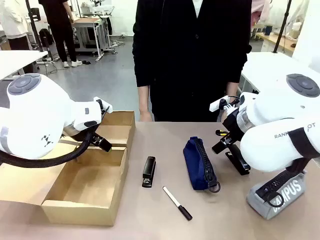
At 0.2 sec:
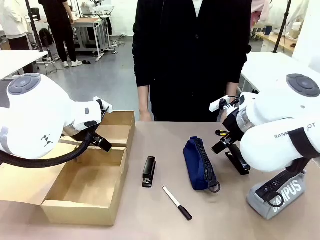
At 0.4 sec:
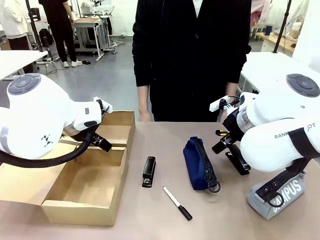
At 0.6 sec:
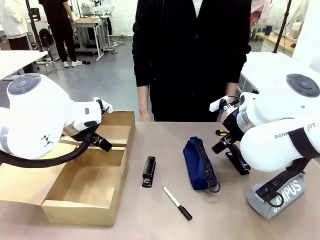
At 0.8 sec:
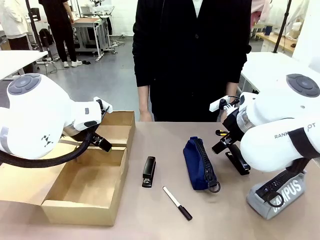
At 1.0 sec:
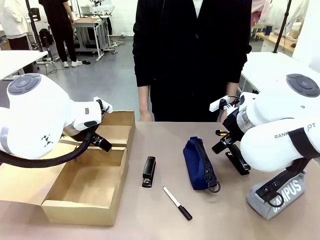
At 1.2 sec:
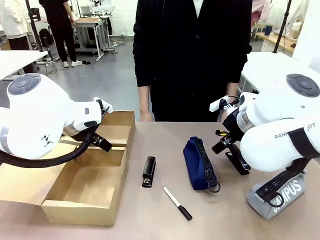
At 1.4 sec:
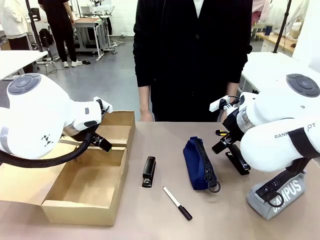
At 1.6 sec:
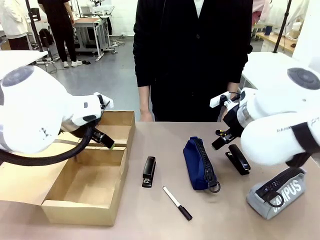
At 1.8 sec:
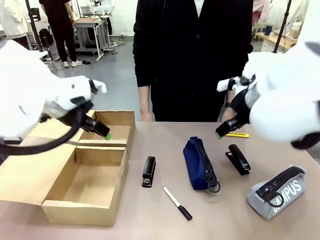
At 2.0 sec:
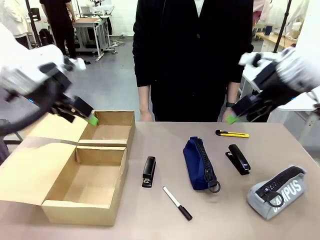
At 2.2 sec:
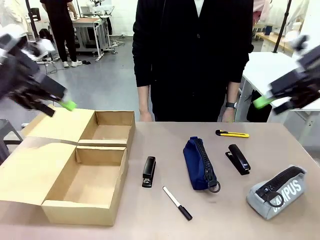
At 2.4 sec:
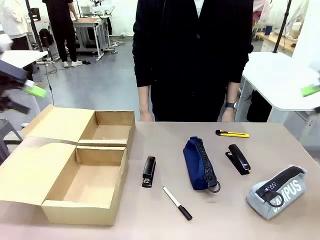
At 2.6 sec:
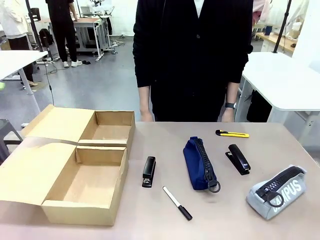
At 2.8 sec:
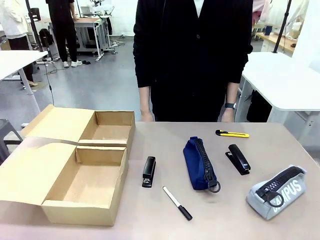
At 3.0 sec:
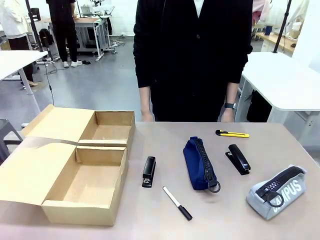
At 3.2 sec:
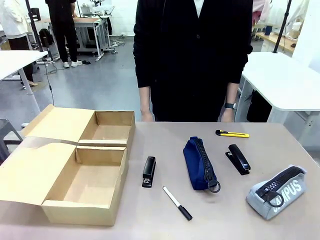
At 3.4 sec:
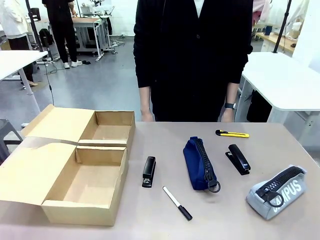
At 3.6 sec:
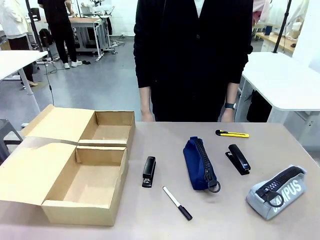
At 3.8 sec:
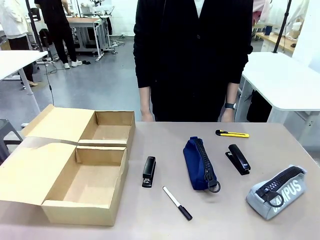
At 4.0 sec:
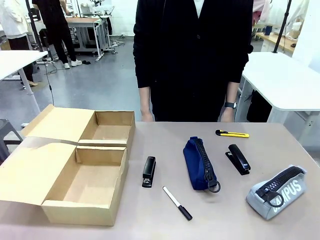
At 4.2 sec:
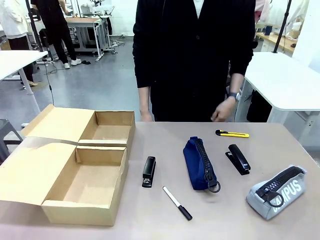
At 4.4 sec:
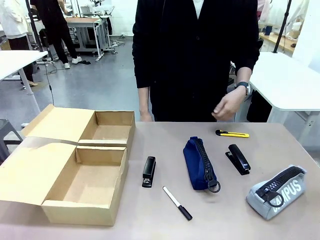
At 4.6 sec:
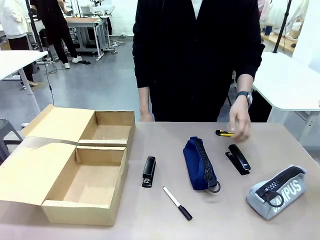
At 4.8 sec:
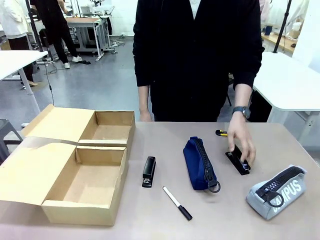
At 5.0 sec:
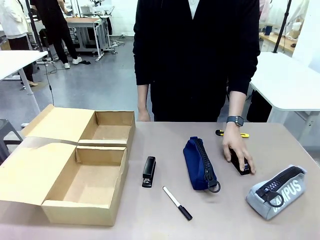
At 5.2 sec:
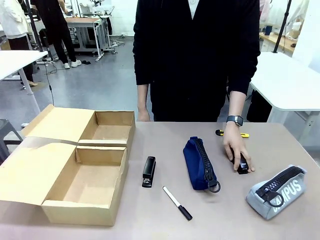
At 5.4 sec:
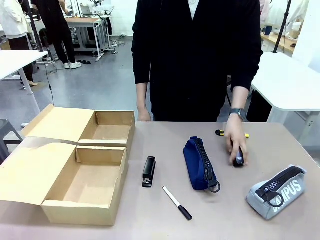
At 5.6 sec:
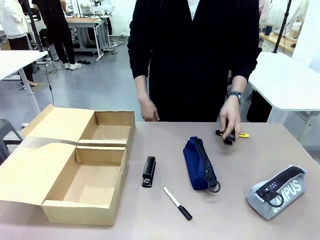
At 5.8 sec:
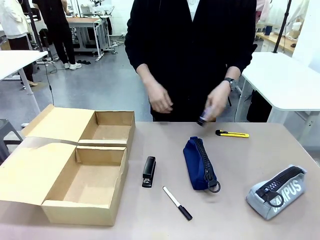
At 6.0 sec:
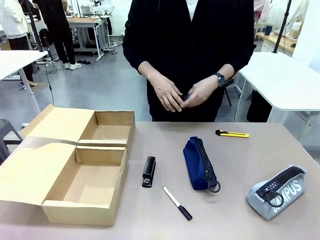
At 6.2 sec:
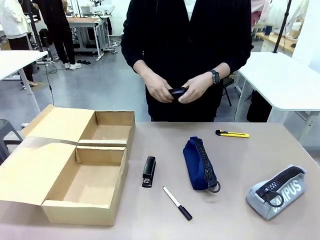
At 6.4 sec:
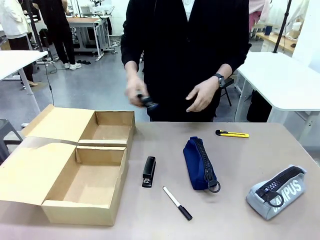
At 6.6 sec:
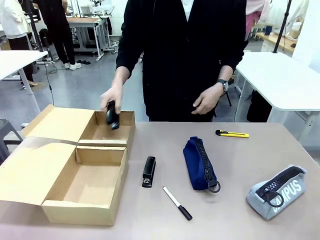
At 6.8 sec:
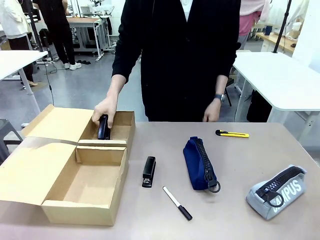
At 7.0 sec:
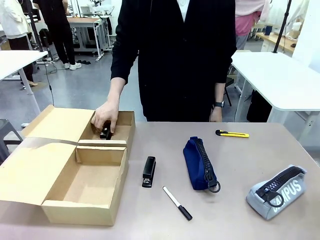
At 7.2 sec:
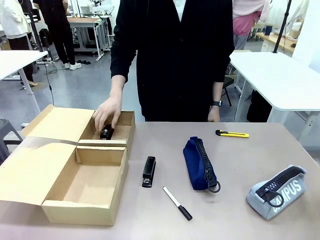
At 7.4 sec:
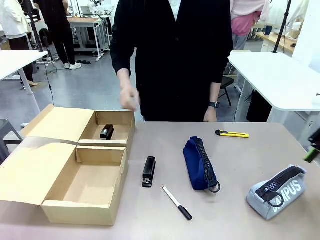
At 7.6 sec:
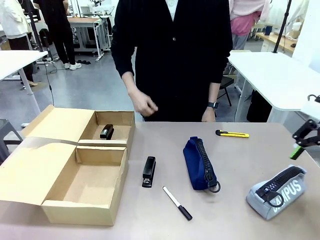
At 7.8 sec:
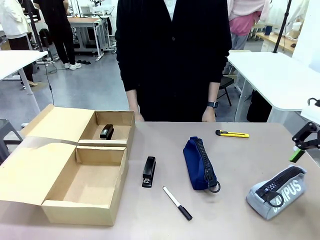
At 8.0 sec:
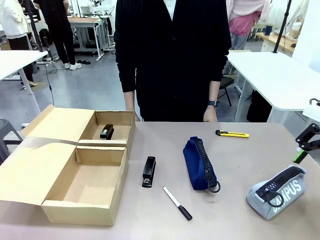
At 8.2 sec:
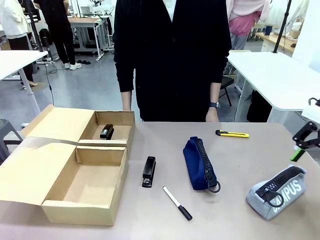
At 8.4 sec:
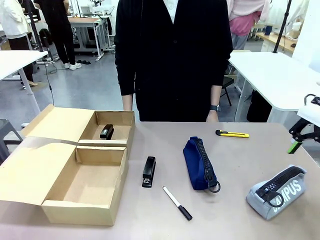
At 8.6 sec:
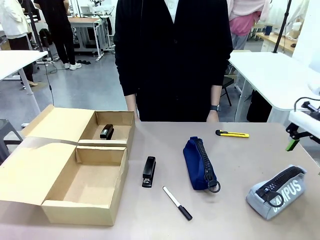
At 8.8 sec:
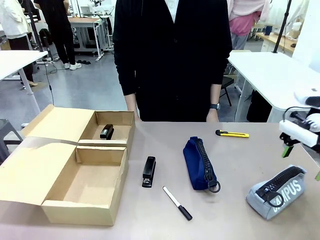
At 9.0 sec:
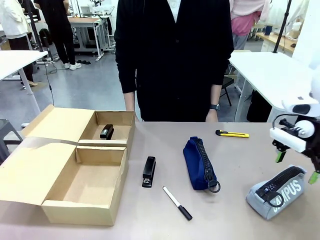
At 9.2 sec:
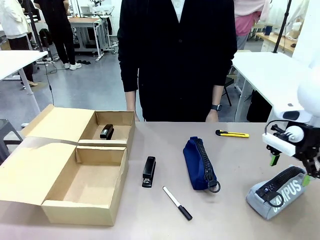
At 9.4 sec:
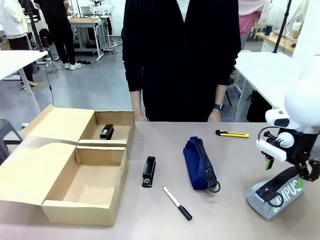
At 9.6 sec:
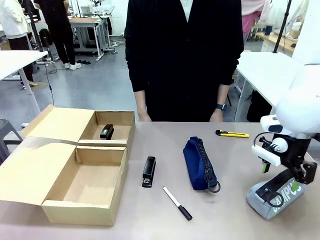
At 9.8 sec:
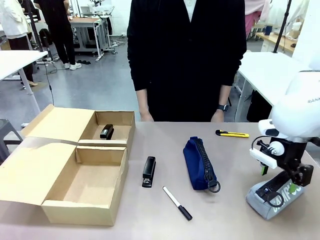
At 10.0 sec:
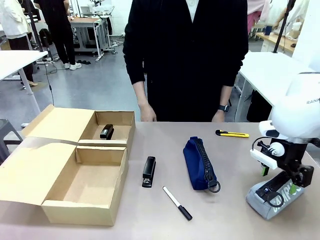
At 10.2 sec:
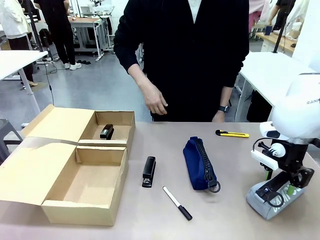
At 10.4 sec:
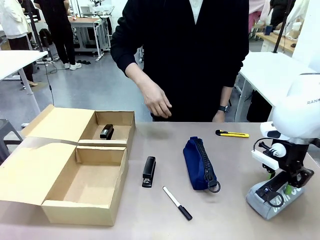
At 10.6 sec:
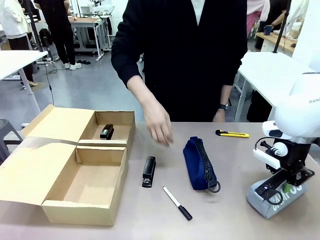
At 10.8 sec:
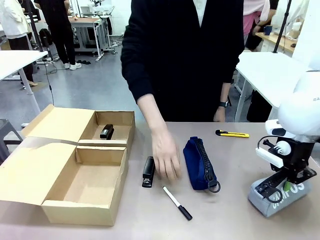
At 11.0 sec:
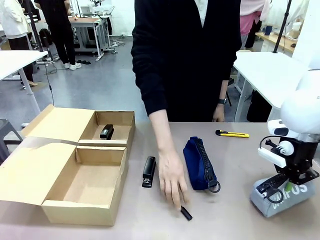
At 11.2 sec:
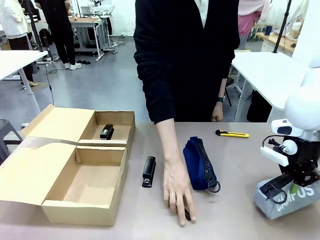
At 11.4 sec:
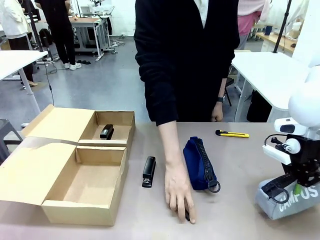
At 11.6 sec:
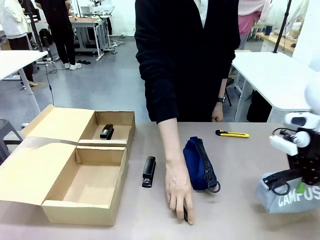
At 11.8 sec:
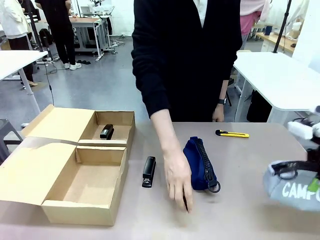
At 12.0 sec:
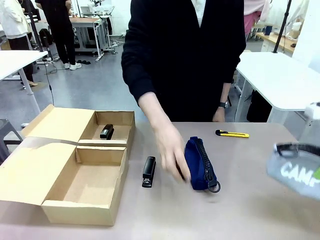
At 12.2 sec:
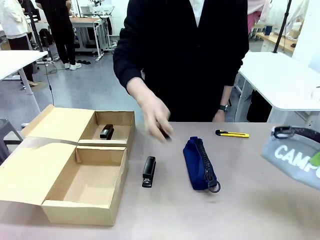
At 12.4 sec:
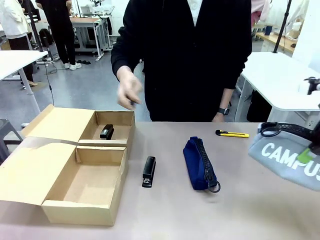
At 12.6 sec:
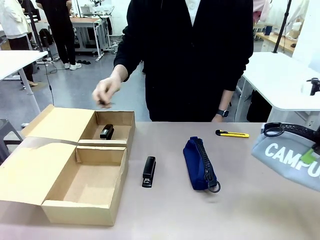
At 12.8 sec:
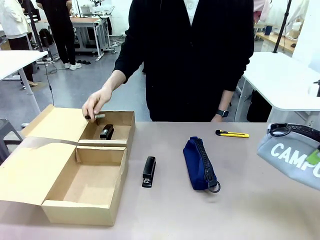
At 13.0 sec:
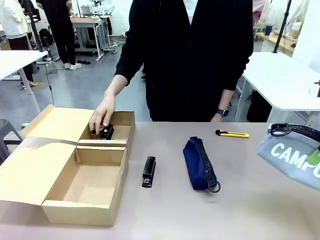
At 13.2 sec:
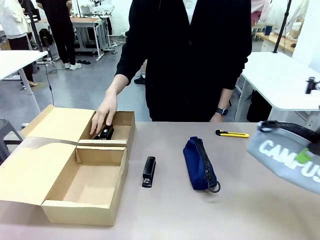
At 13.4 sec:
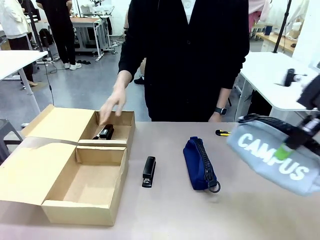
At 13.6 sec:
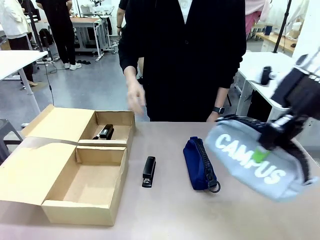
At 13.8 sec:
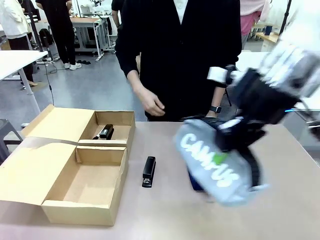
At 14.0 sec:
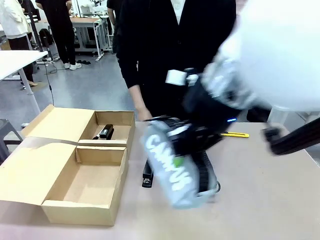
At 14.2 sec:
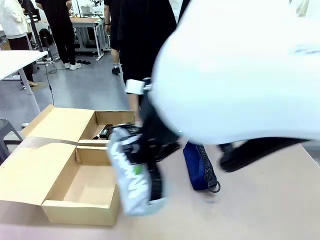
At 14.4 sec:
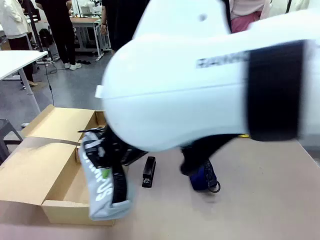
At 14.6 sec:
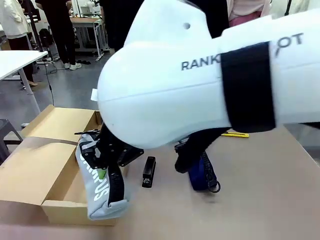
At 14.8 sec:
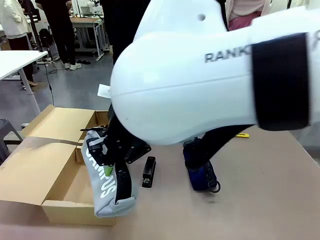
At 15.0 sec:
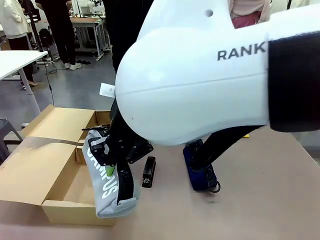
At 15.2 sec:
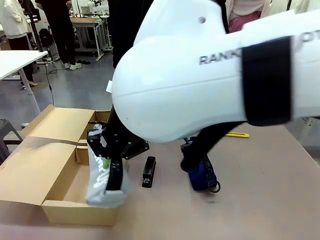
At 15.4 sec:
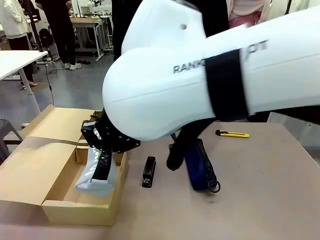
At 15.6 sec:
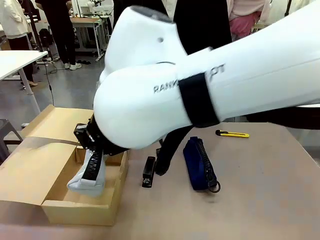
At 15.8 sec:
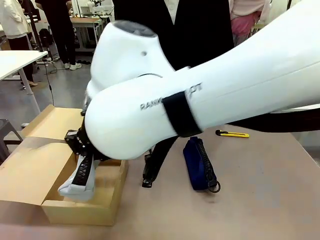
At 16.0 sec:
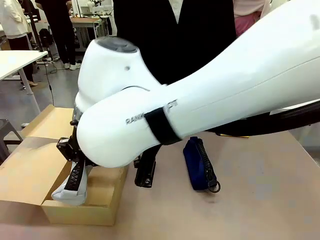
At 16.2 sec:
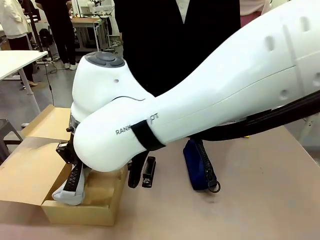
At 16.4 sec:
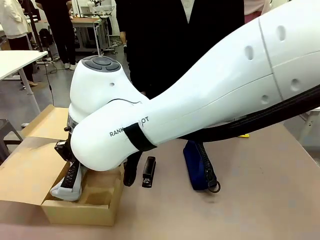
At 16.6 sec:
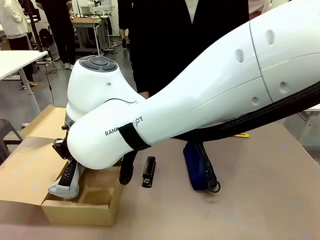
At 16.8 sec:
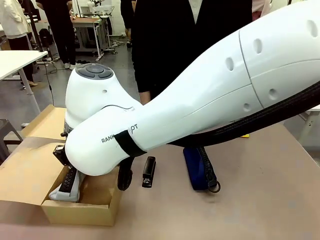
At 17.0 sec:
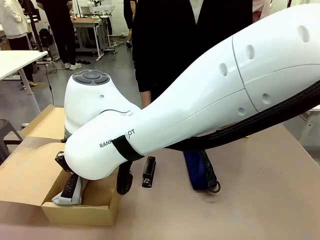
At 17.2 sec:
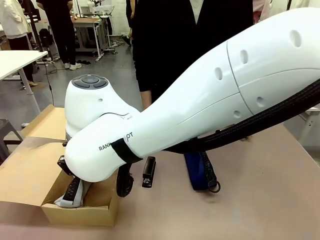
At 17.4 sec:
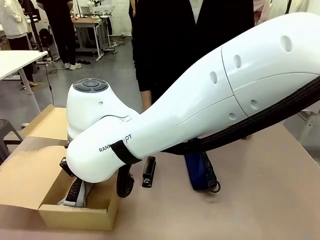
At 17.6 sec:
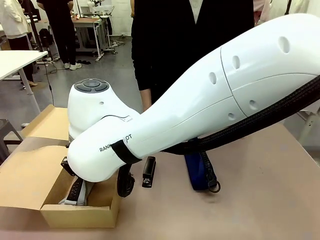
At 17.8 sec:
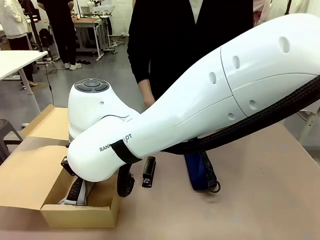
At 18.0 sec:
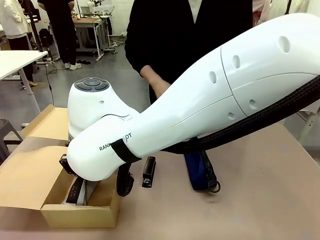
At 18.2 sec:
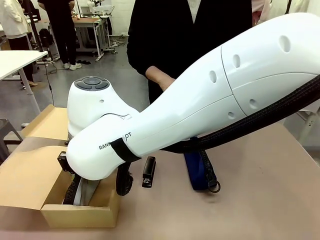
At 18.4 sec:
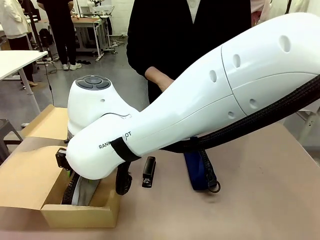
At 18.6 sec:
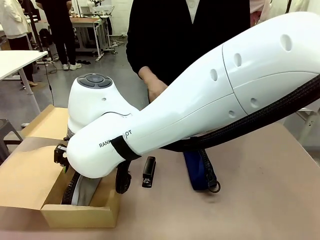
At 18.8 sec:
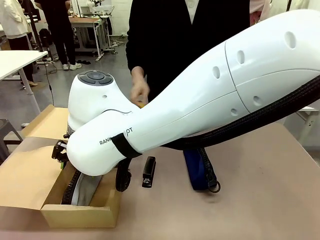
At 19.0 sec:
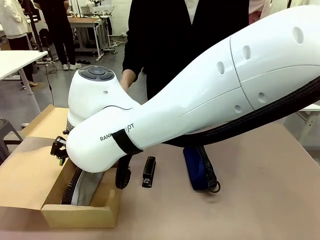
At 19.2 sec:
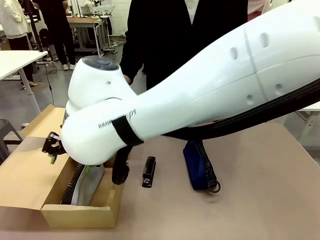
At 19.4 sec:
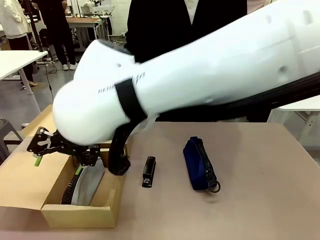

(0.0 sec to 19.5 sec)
Task: Place items inside the box.
Robot: Pick up a Pencil pouch or Stapler and place it inside the Mailer Box closest to the robot.
Person: Pick up an object on the table and put it in the box.
